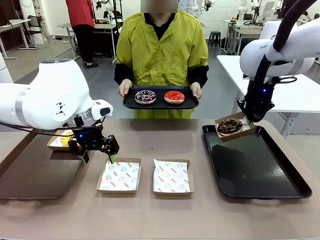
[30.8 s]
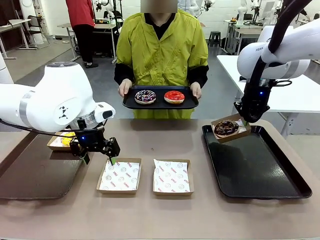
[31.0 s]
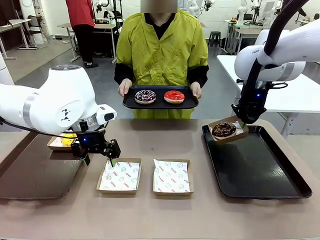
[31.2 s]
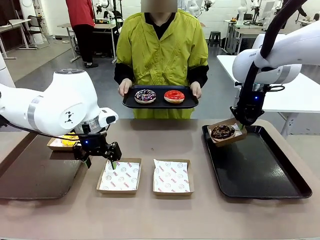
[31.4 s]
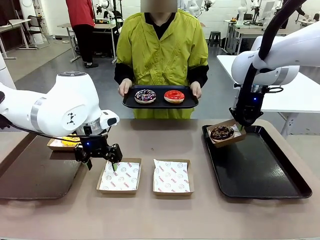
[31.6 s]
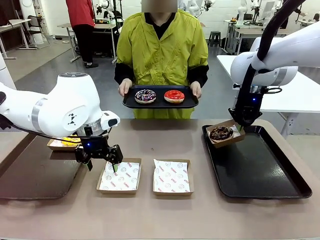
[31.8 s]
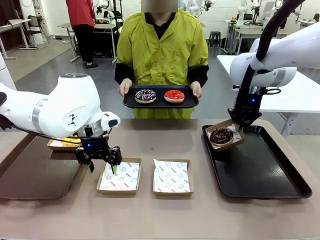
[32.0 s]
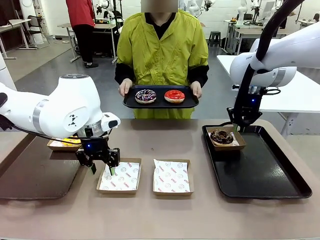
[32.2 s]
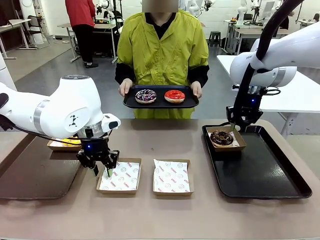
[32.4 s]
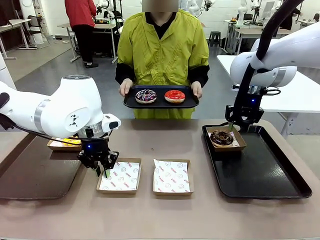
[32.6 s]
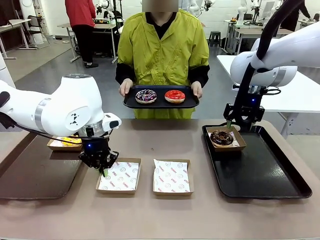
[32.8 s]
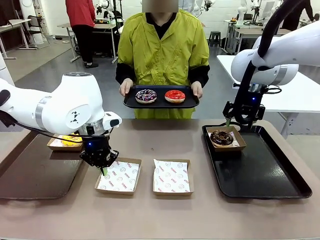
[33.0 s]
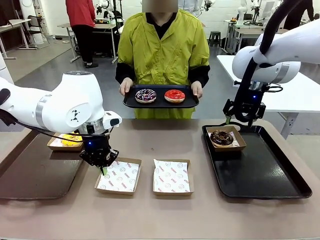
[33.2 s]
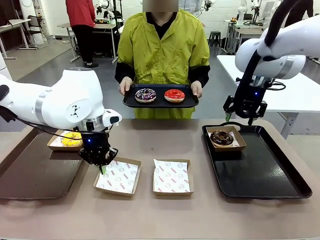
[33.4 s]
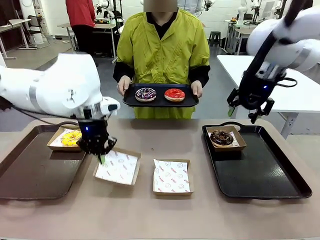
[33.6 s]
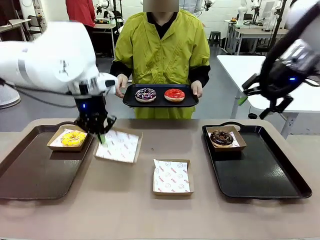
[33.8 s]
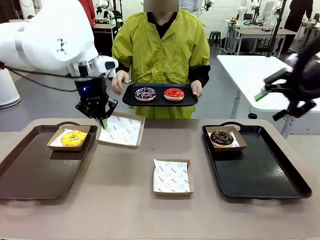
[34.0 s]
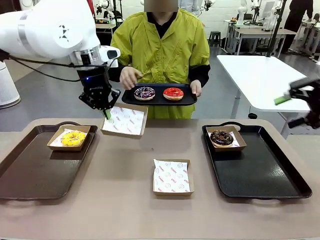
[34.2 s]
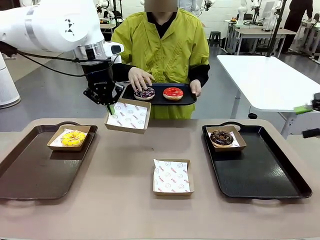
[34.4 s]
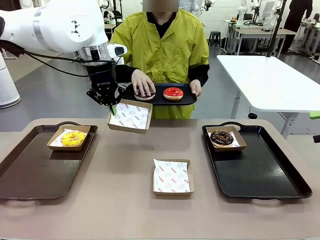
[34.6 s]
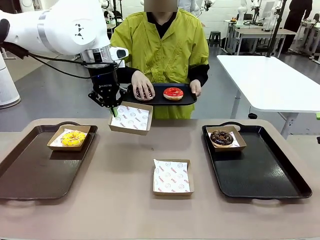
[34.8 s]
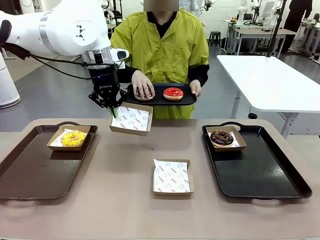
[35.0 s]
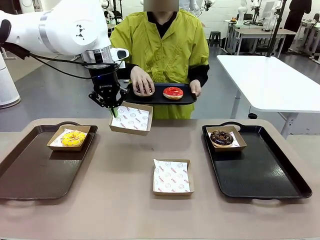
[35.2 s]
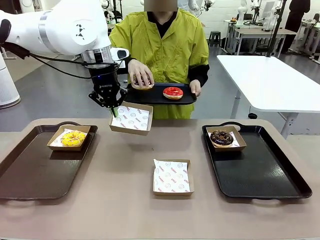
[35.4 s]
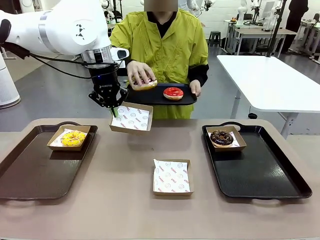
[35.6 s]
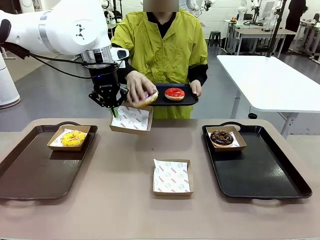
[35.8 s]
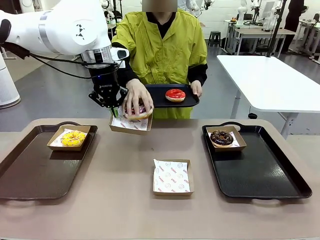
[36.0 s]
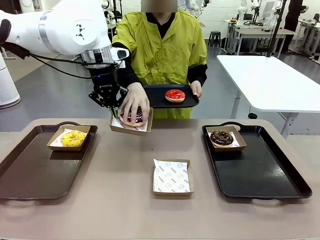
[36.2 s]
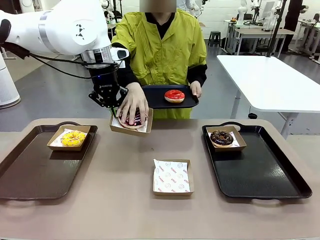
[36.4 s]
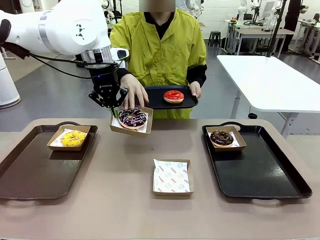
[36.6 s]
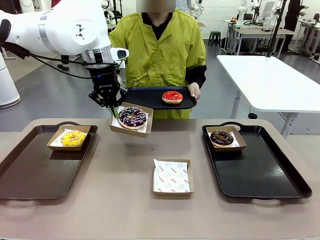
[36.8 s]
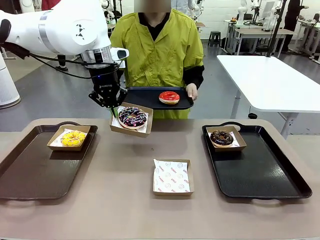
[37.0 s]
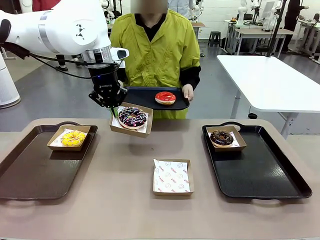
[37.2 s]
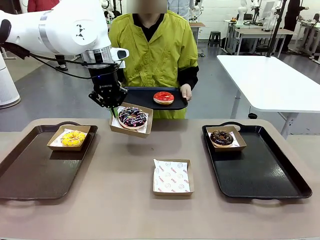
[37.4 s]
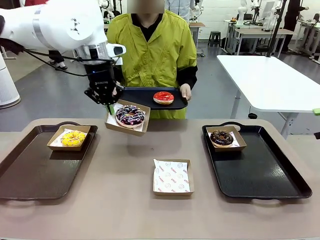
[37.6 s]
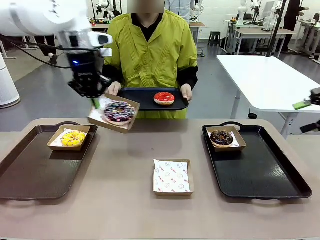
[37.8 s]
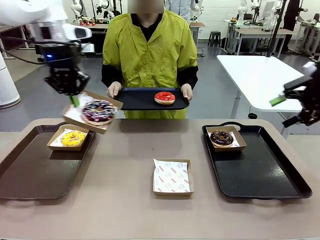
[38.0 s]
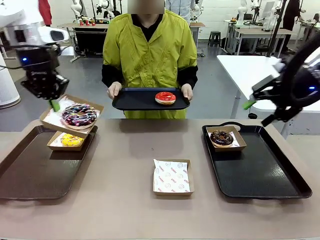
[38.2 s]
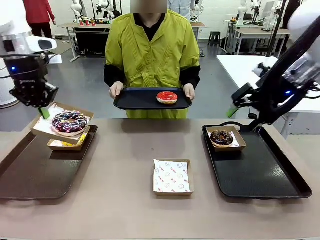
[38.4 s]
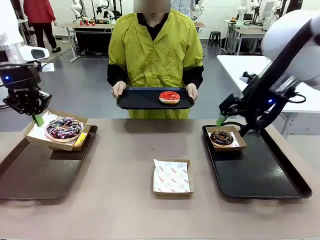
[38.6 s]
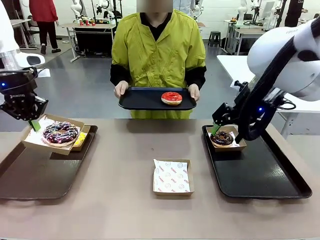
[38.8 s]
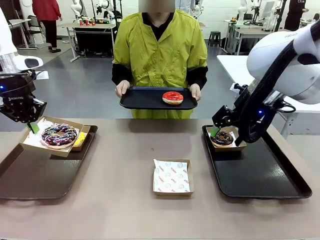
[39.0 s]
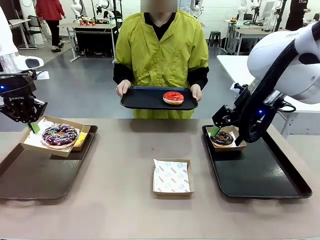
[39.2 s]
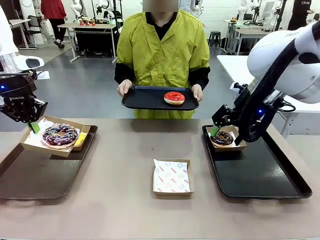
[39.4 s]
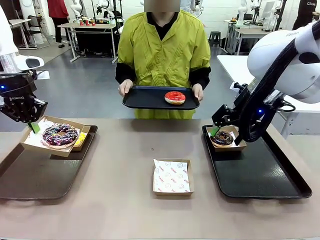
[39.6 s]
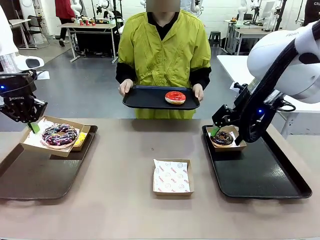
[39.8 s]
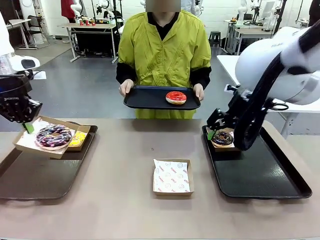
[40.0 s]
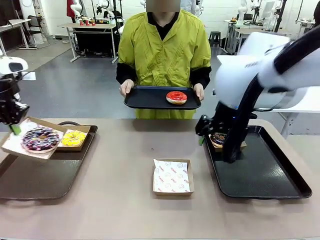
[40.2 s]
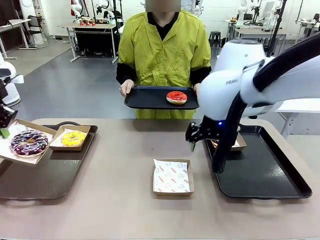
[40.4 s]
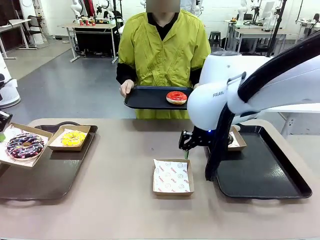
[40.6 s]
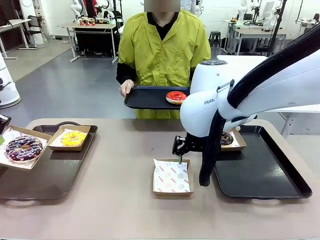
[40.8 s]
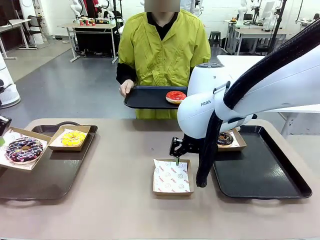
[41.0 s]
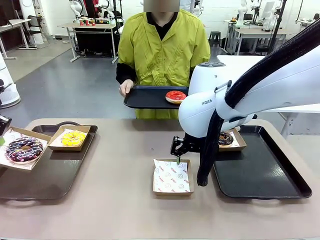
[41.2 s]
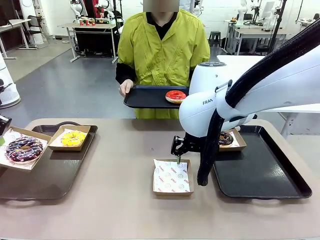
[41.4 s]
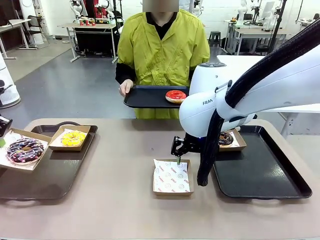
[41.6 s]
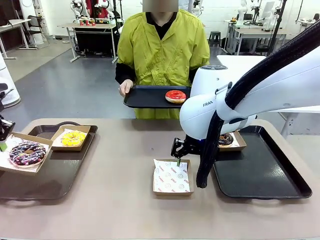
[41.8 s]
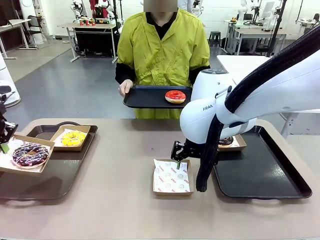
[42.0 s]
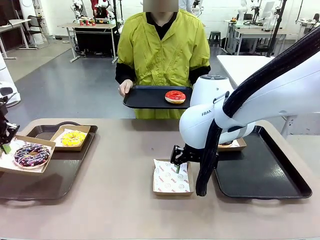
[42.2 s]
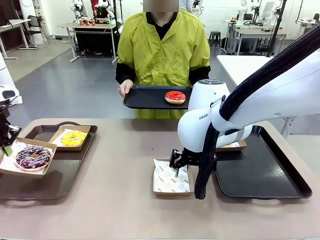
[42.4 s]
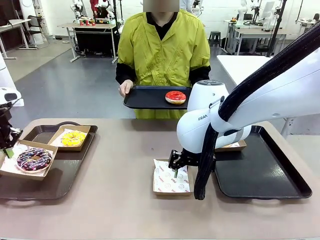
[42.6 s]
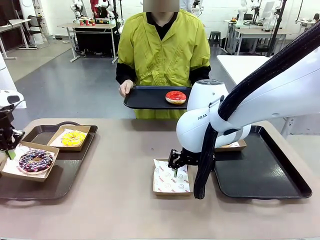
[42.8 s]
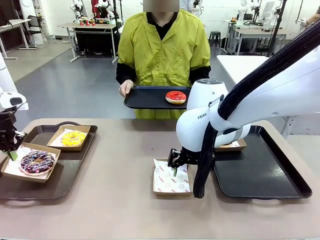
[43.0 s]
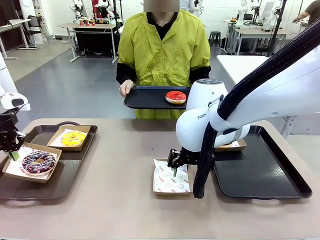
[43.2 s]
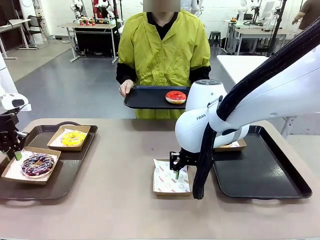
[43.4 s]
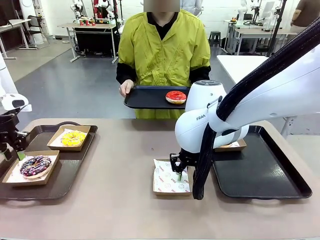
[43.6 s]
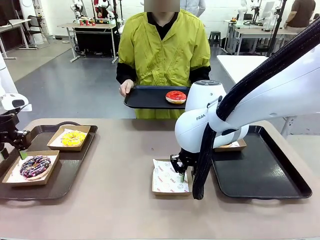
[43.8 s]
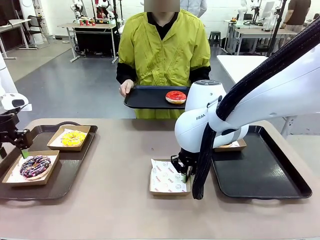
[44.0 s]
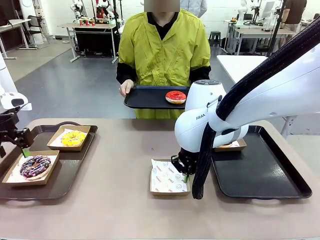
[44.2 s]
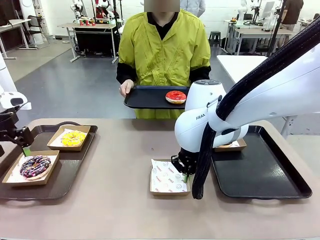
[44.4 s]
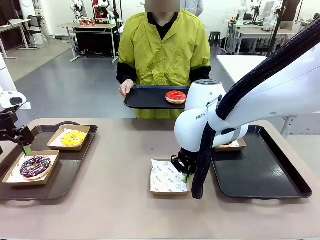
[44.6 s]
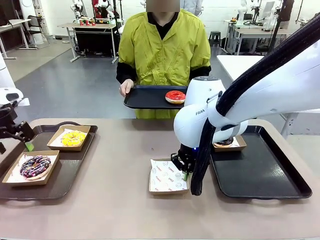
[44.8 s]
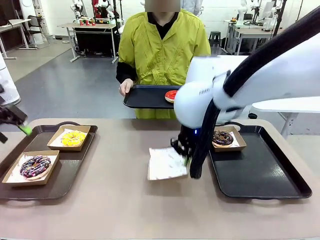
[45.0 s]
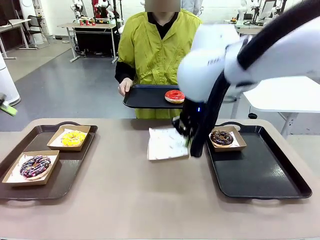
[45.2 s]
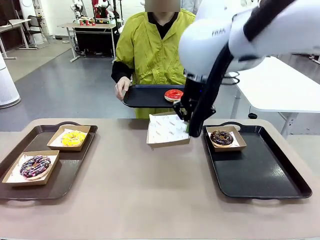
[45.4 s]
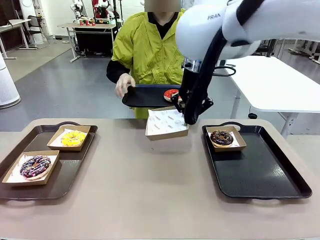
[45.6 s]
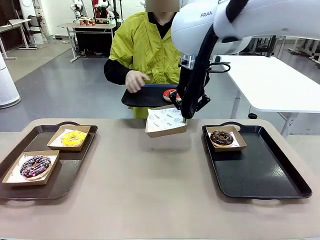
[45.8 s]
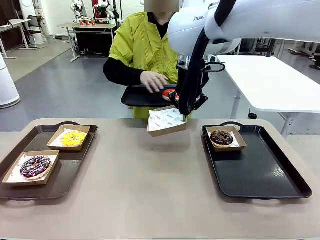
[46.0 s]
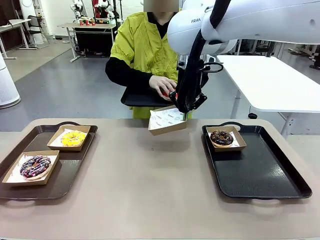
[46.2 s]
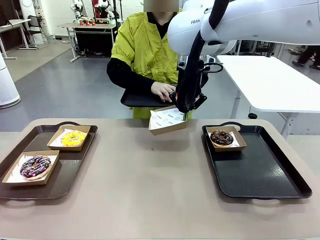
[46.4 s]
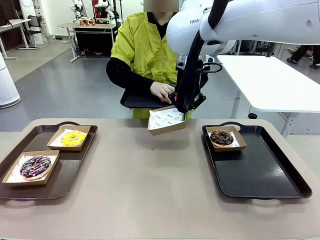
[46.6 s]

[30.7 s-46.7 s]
Task: Individually package the donuts and arrange them on the tray.
Robot: Place the picked Paper togo box on the Handle tray while simultaneously picking up another Paper togo box from the table with the other hand.
